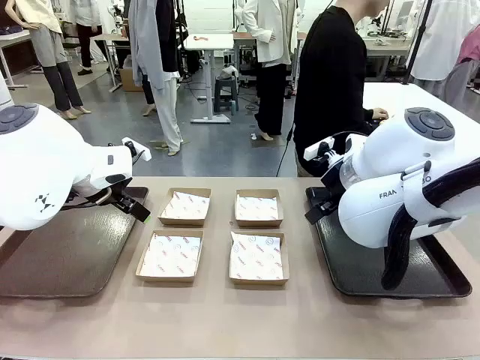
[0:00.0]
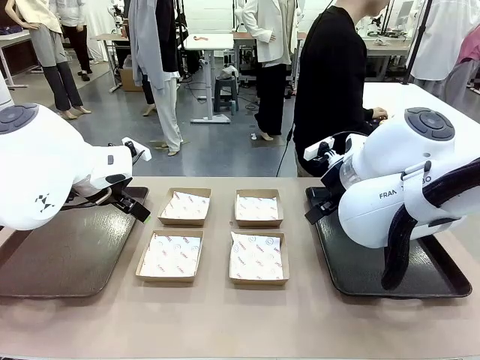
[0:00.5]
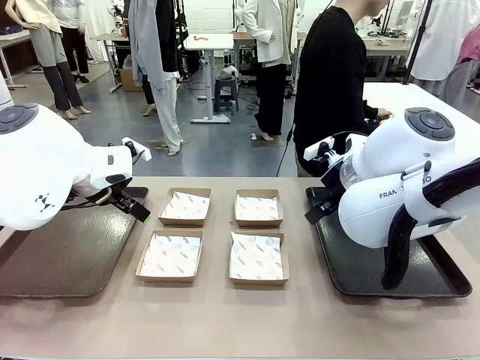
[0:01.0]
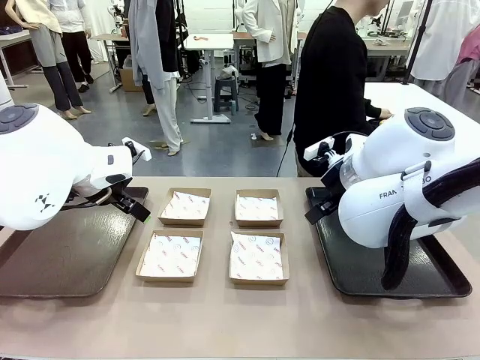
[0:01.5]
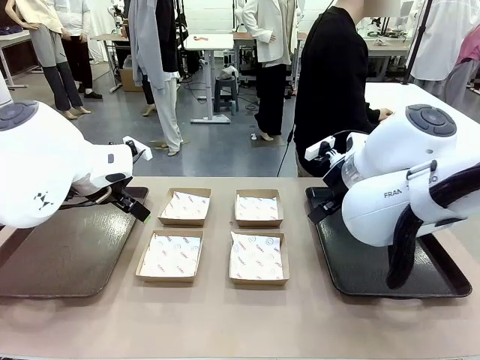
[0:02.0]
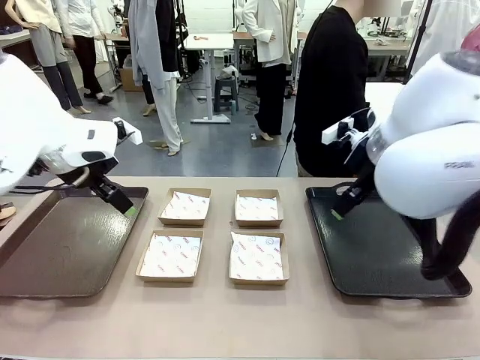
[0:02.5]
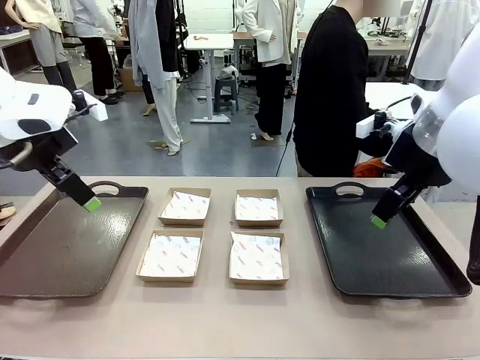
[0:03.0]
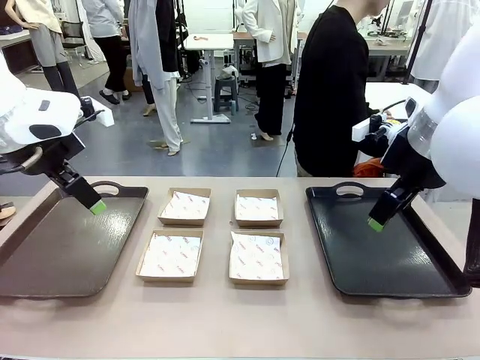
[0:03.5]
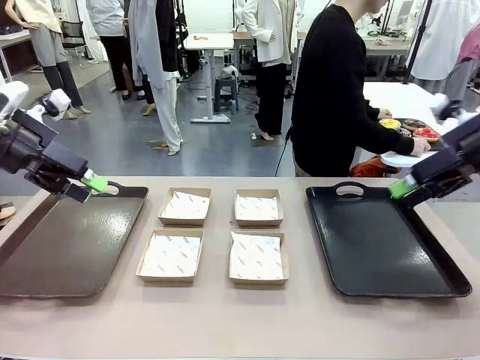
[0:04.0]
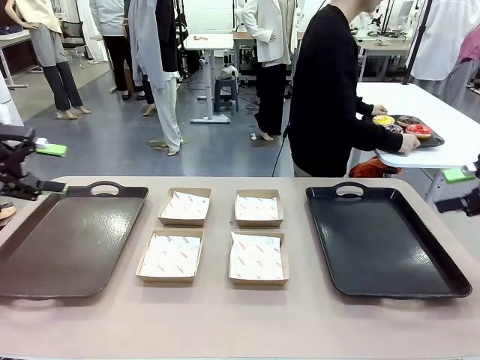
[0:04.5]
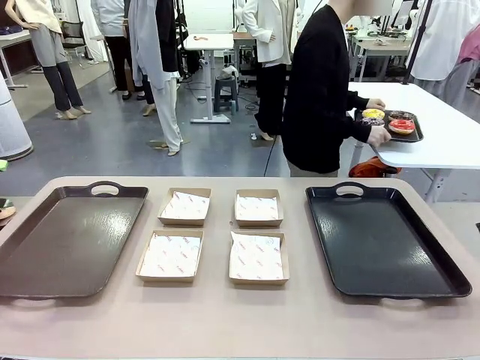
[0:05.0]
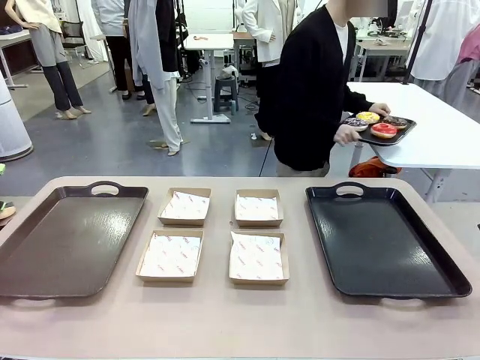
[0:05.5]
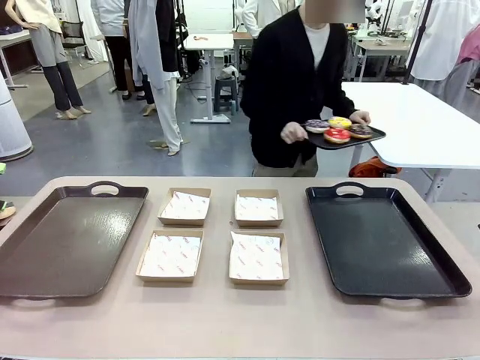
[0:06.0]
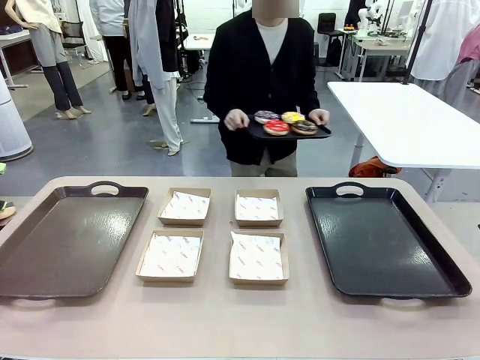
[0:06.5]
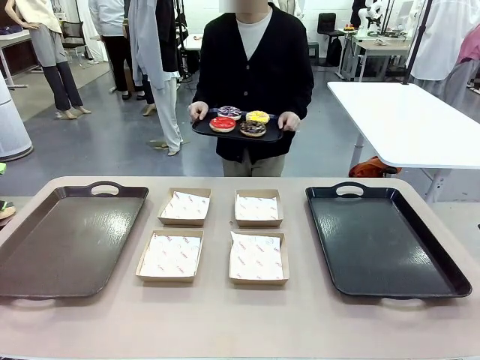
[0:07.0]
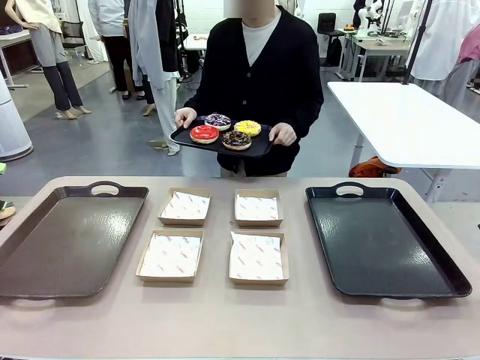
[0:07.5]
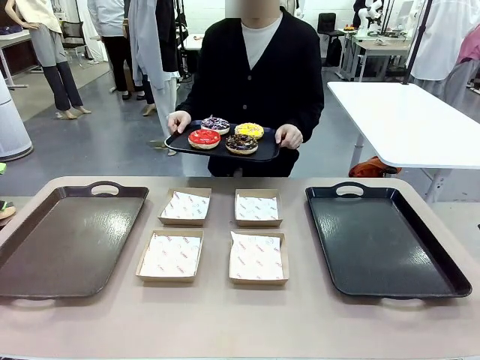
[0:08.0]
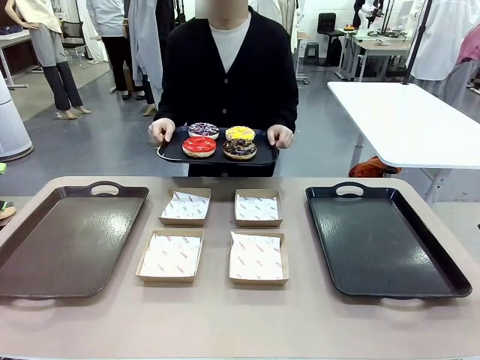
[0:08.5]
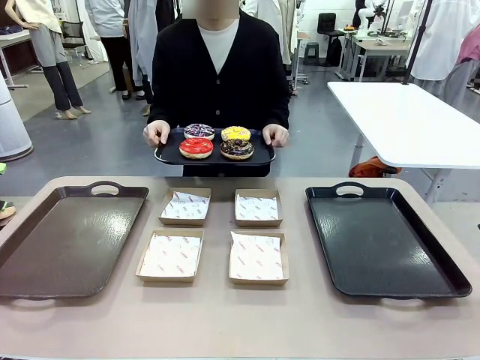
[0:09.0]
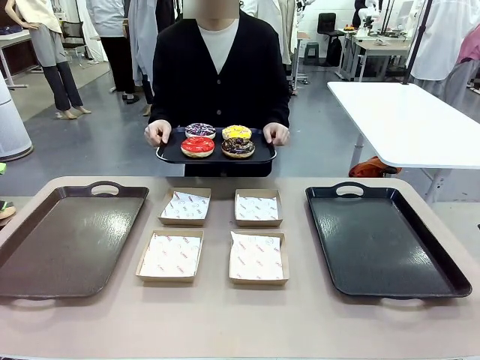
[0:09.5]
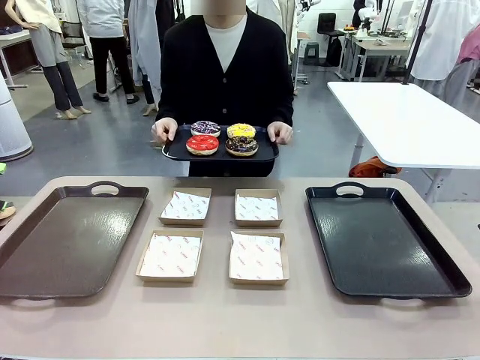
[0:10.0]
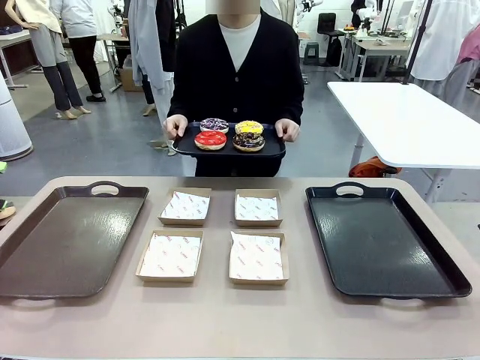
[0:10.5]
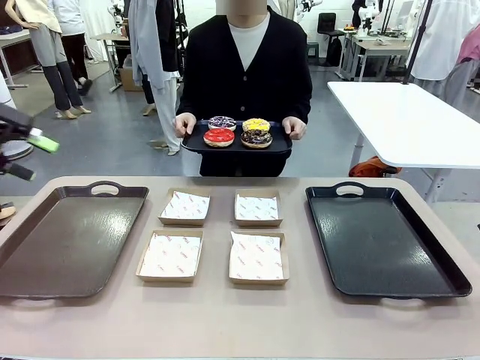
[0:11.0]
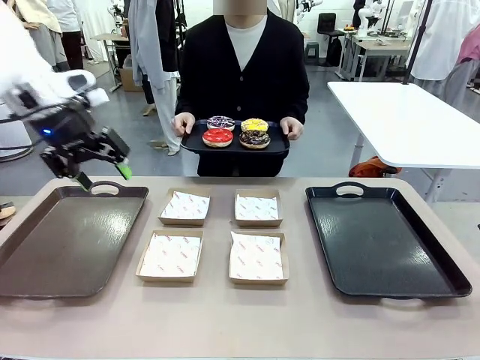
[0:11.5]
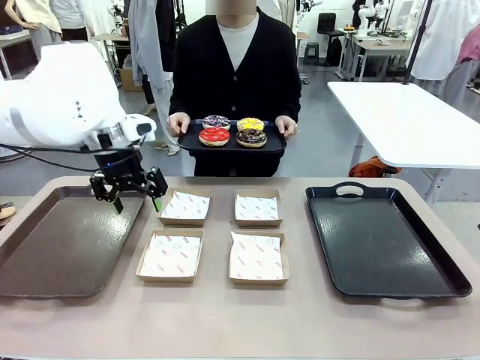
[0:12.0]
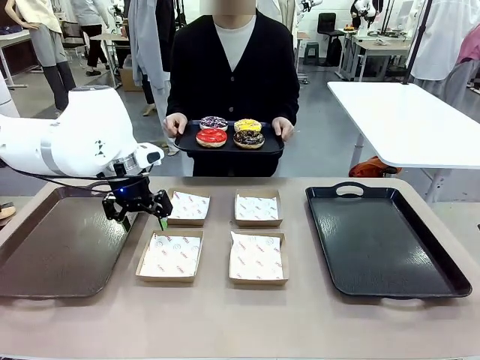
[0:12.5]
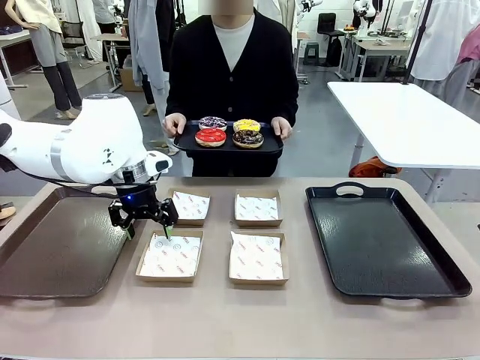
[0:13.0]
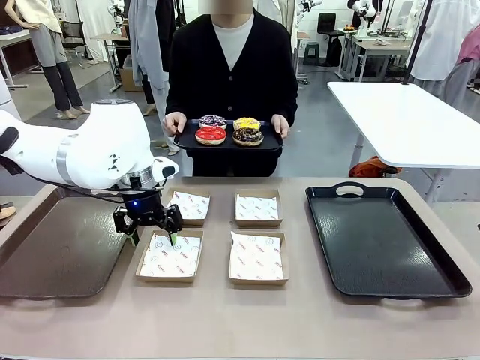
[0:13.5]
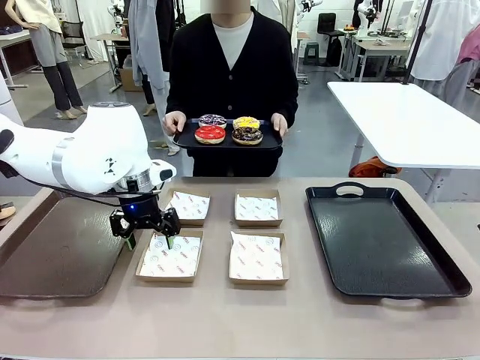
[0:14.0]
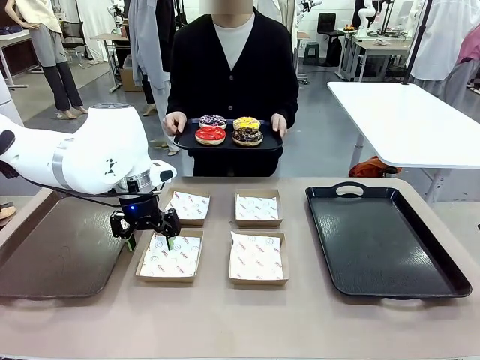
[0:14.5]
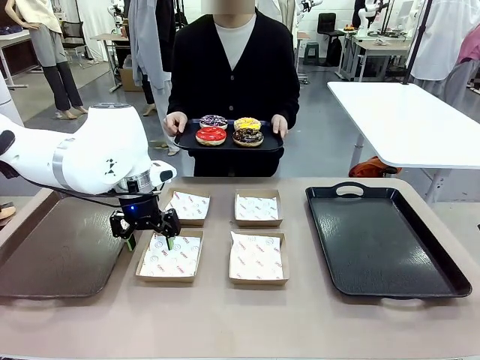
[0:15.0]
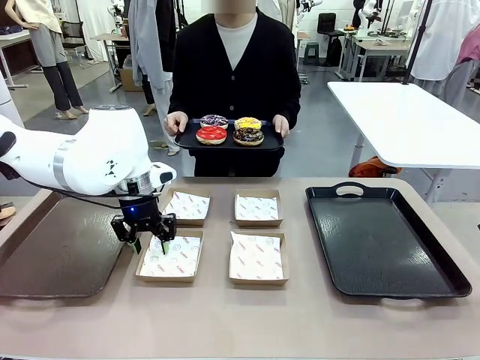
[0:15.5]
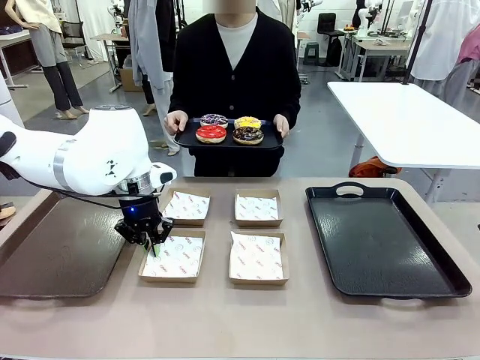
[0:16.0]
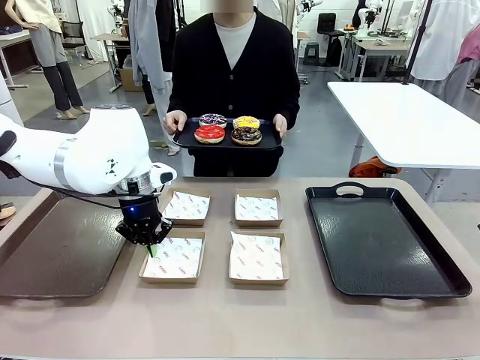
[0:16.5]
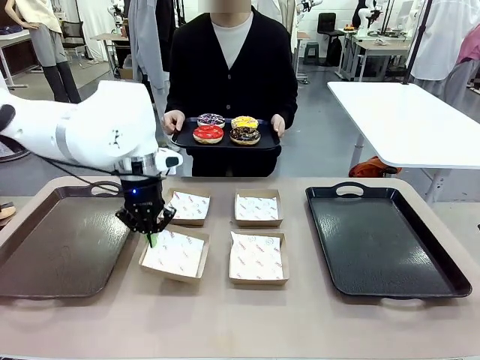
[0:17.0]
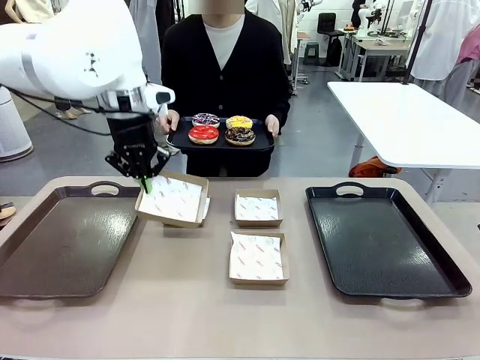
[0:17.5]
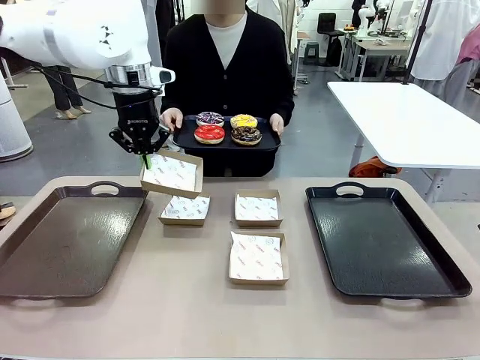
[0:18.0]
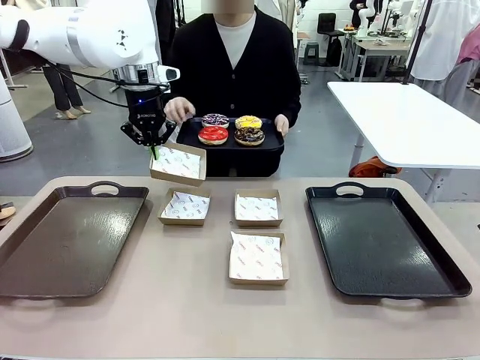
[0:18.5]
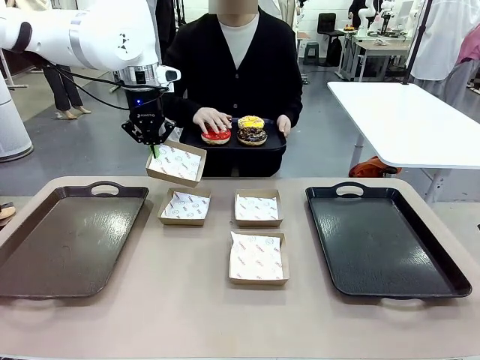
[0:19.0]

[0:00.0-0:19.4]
Task: Individually package the donuts and arrange them on the tray.
Robot: Pick up one Paper togo box.
Person: Stand in front of the robot table holding the tray containing the donuts.
